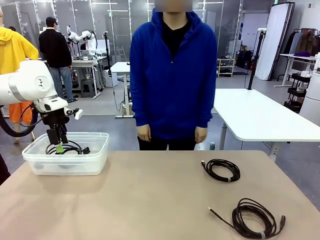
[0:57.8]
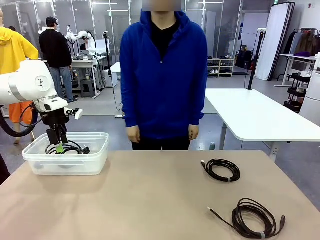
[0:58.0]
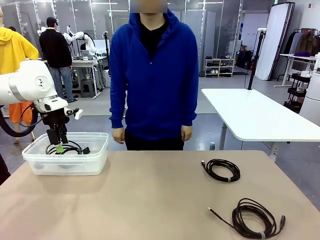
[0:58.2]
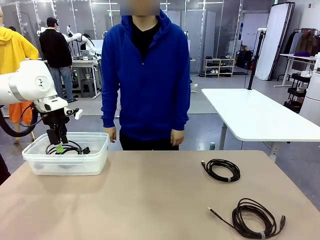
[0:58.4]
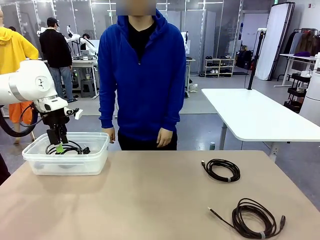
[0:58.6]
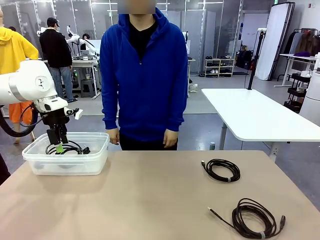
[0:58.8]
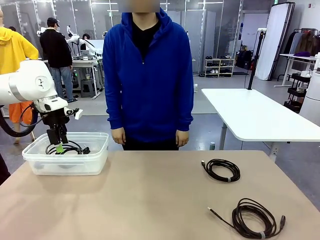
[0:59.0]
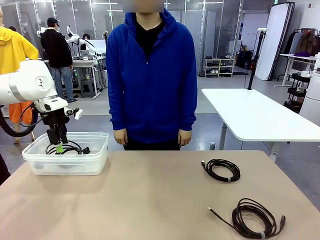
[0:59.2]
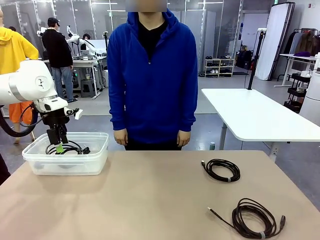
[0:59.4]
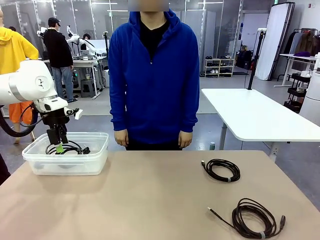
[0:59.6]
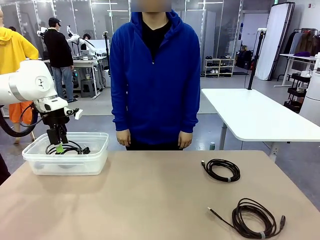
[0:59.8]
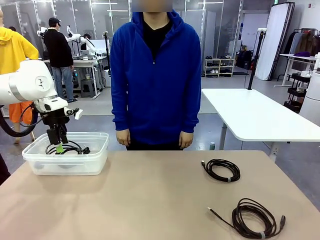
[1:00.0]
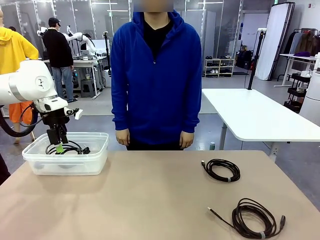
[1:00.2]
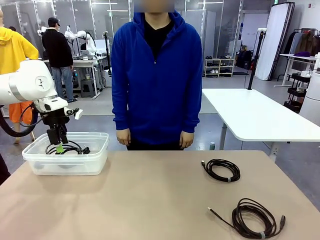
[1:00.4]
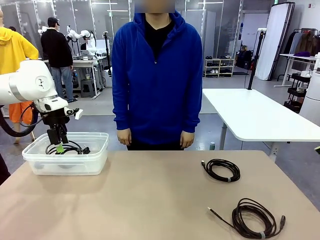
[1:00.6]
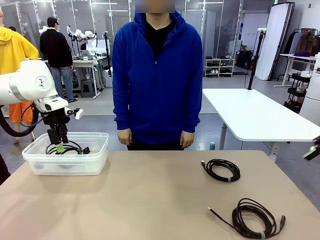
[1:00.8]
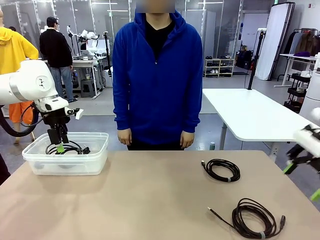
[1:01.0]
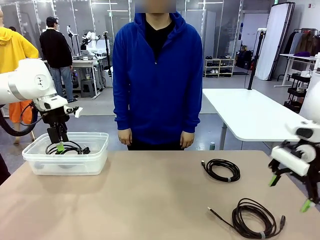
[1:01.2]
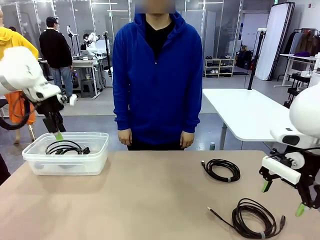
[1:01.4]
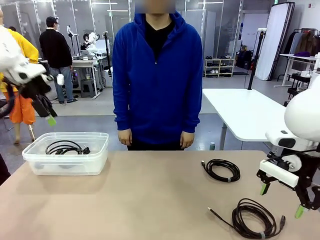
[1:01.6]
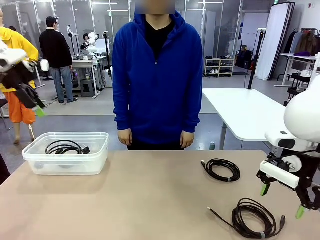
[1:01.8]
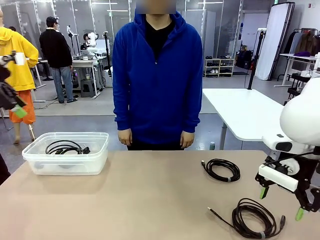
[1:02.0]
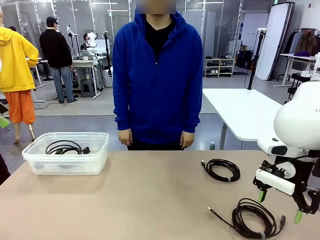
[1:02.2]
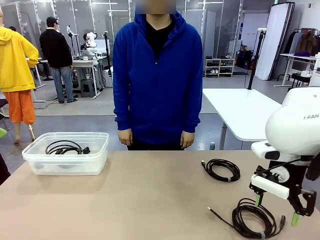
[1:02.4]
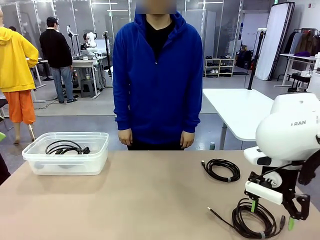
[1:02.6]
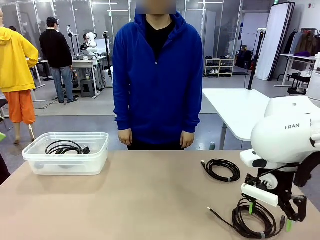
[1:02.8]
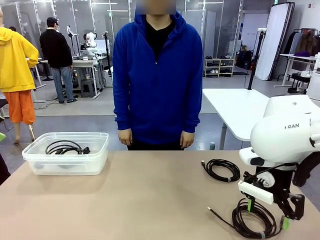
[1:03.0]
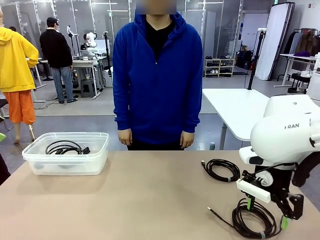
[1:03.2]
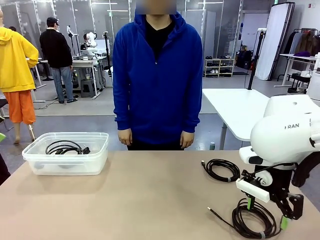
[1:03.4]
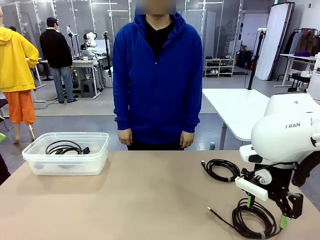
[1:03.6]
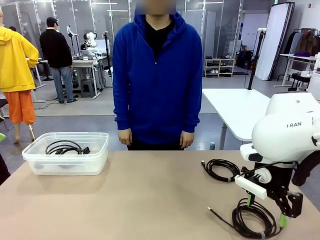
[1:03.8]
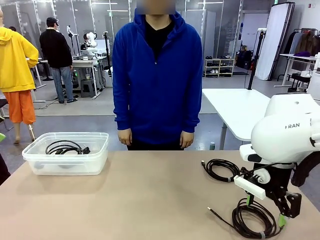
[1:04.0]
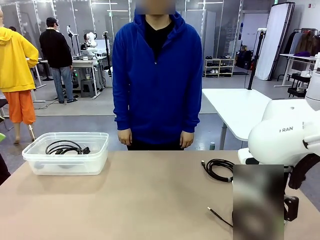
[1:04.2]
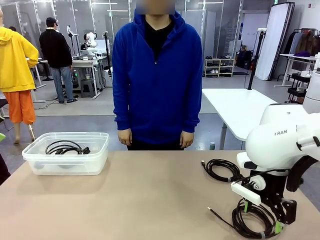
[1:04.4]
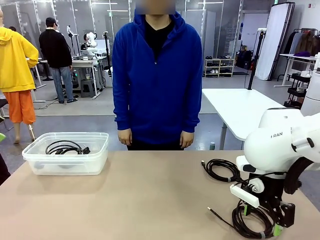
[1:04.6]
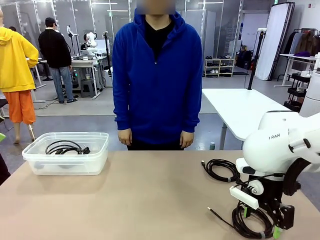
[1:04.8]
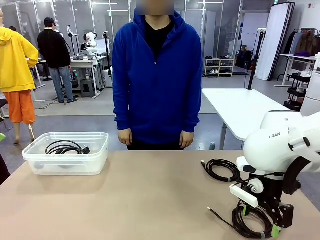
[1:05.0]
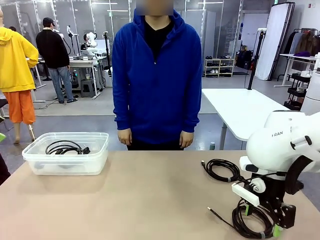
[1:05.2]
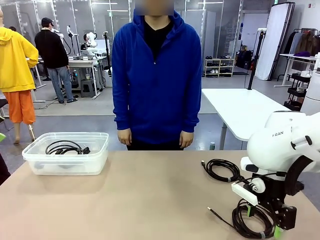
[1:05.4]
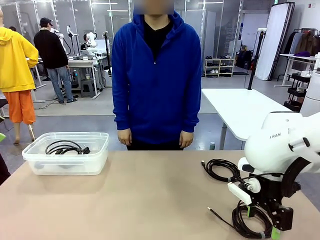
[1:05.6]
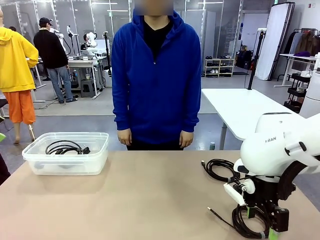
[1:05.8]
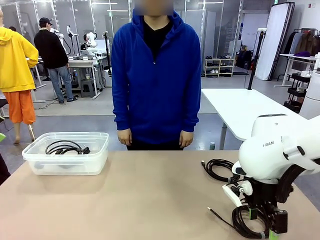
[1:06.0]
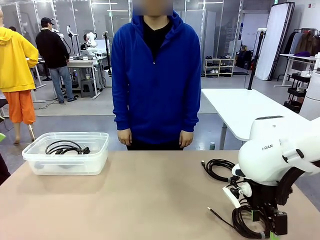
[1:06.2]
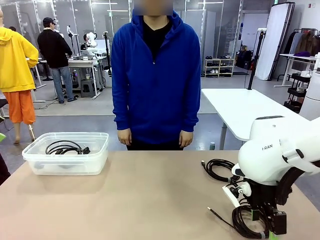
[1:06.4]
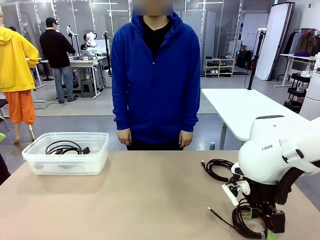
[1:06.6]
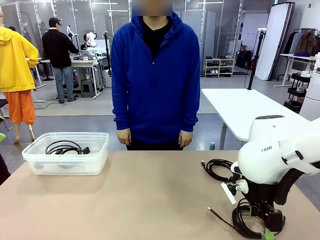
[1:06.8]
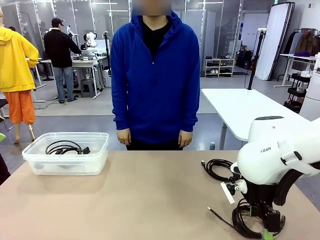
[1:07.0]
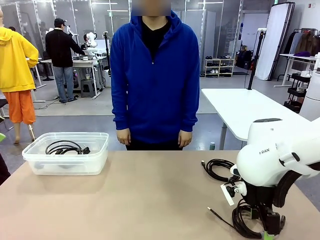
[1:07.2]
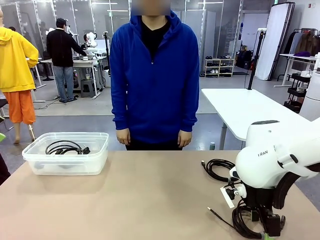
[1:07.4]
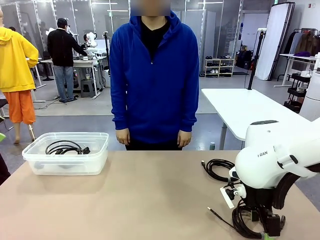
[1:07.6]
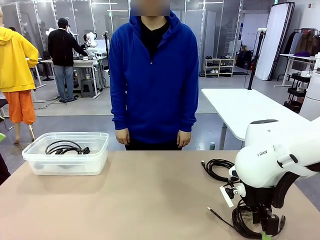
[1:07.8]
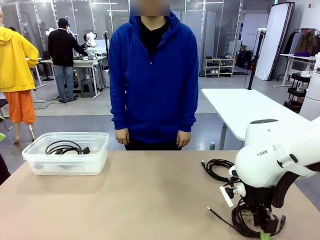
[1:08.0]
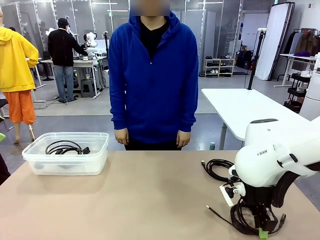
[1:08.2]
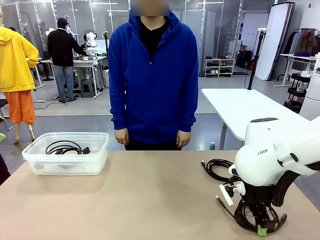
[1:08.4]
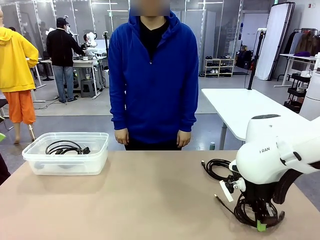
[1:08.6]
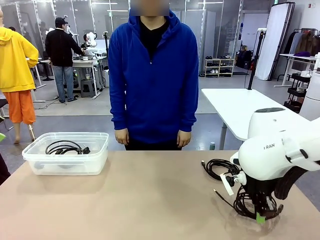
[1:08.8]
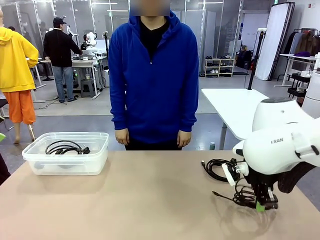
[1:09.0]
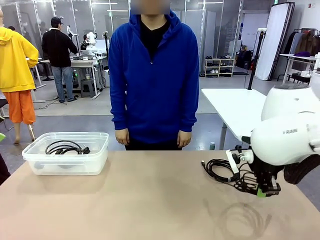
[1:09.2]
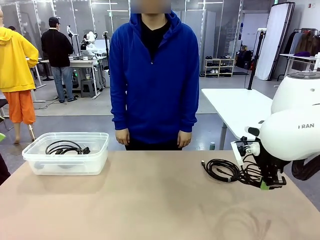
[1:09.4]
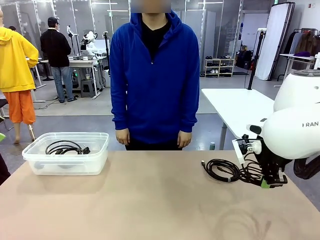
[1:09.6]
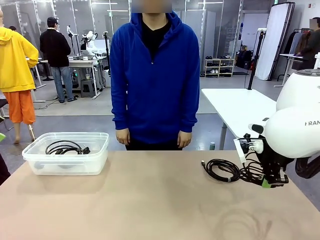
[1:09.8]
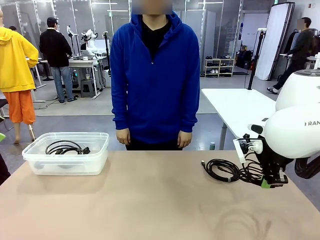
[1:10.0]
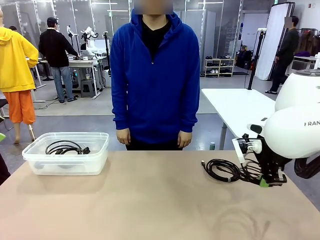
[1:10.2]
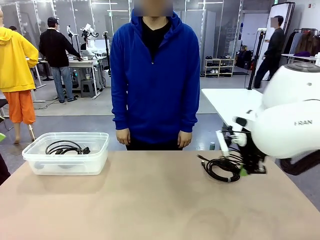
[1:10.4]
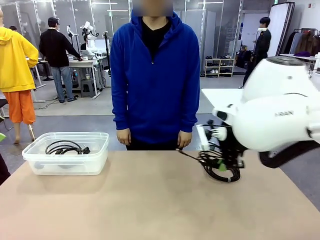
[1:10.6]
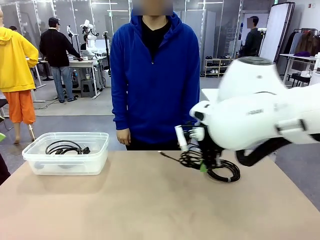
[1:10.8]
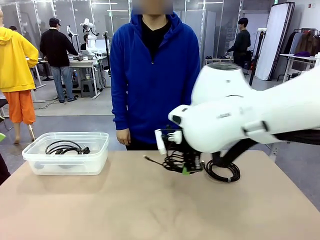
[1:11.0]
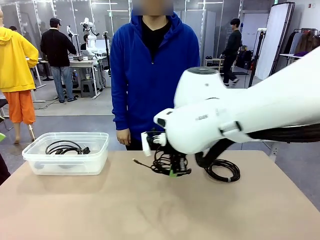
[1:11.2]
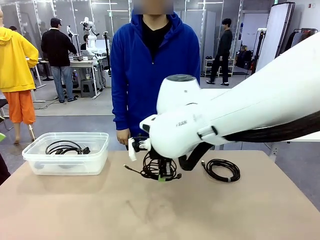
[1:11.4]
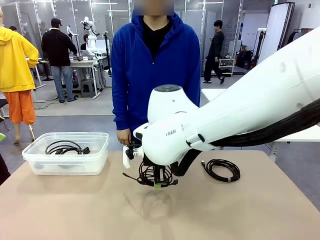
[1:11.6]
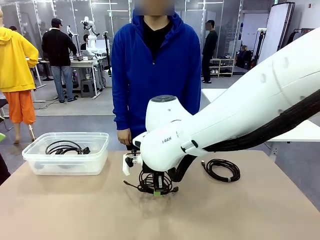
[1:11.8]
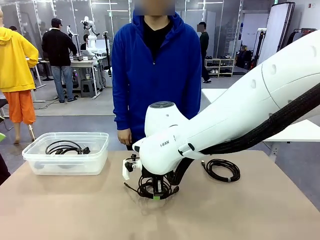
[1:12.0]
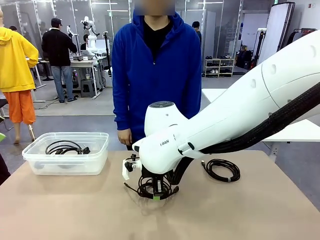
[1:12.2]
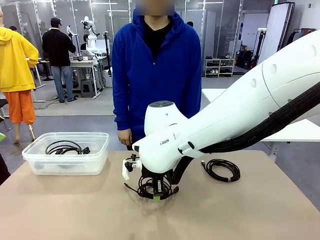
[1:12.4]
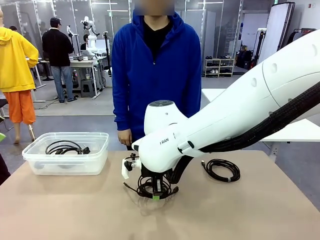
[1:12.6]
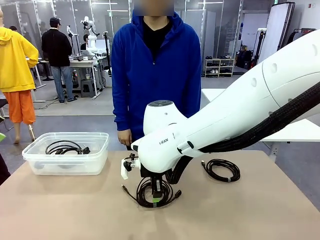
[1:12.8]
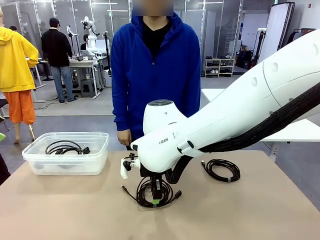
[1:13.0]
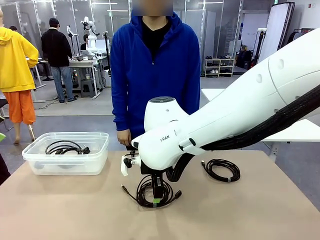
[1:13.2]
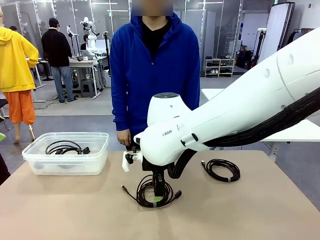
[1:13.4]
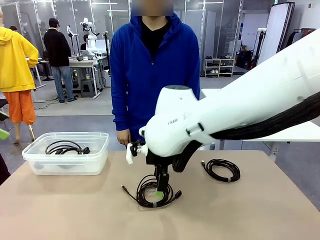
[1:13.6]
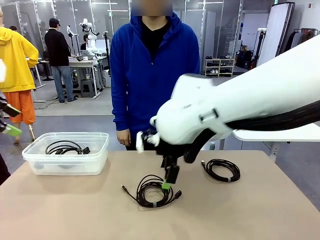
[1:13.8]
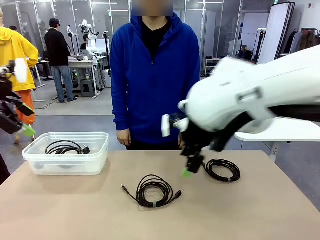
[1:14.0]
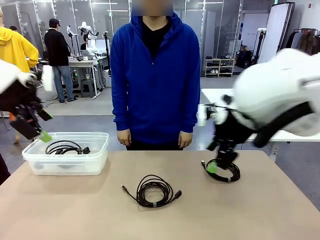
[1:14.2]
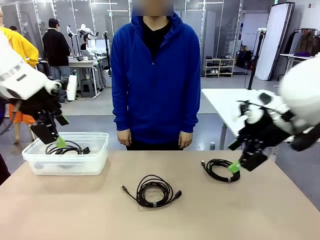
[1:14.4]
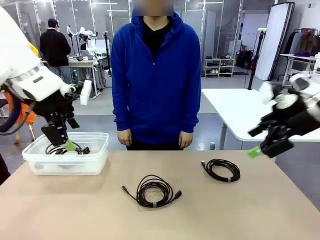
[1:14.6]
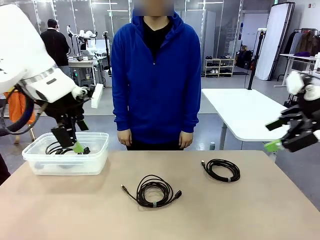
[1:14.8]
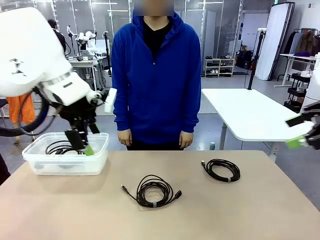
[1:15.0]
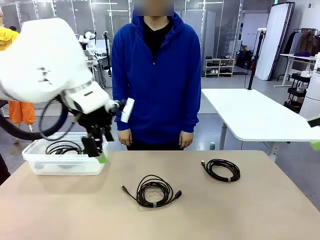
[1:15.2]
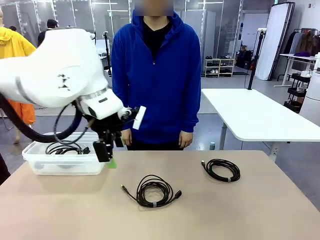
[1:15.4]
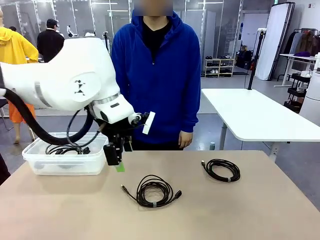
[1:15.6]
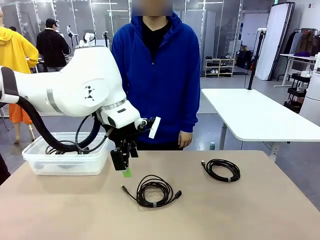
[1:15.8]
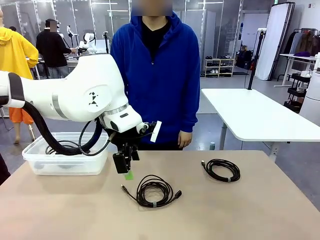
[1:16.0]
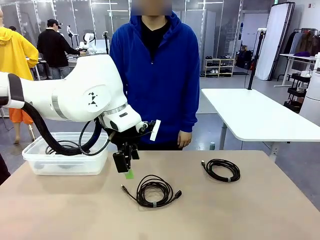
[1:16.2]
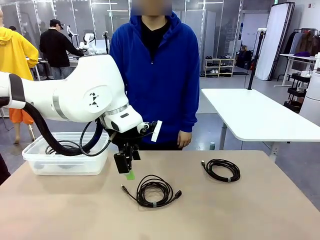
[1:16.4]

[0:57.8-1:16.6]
Task: Organize and store the cables.
Robot: Place the USB Extension Cable into the Organizing box.
